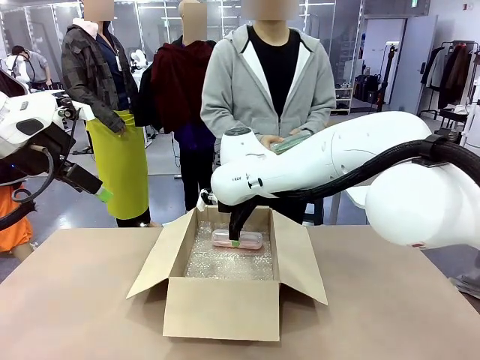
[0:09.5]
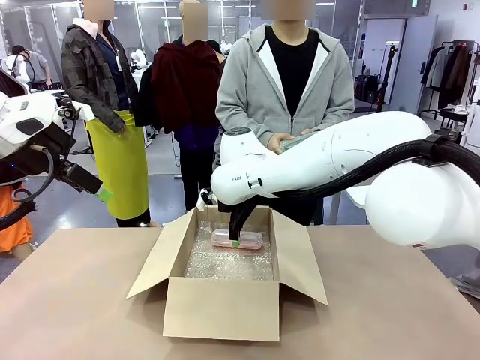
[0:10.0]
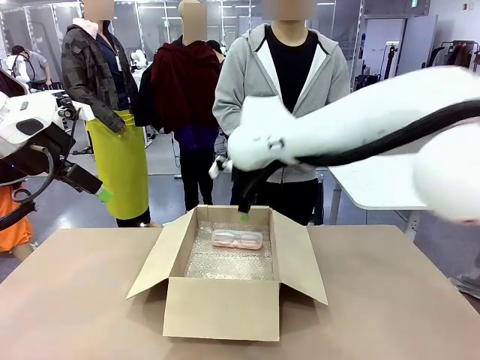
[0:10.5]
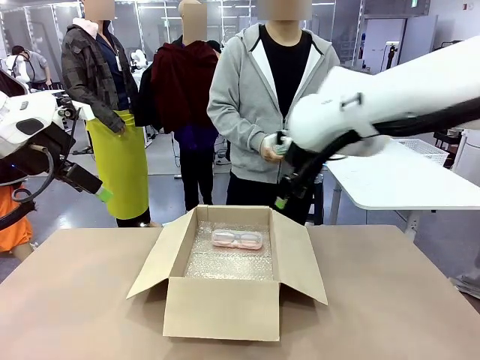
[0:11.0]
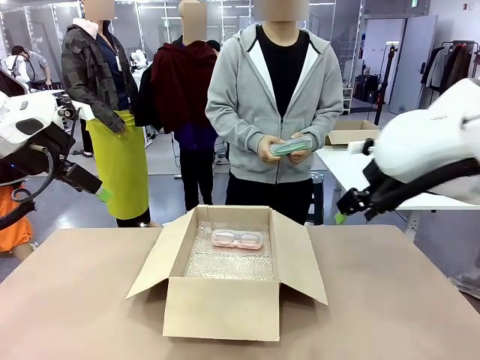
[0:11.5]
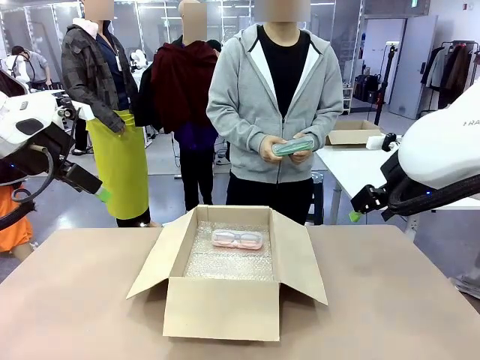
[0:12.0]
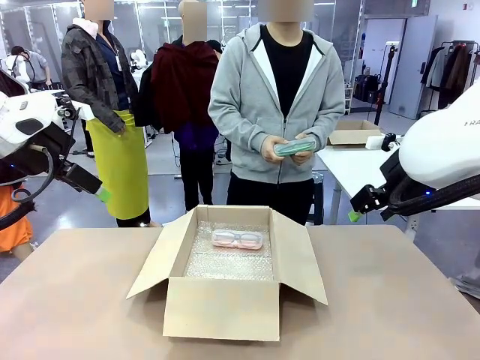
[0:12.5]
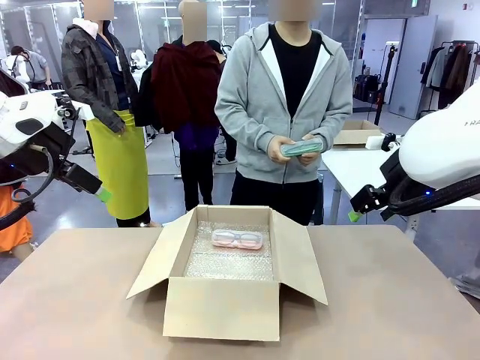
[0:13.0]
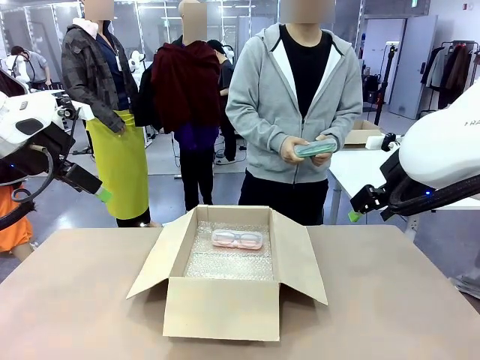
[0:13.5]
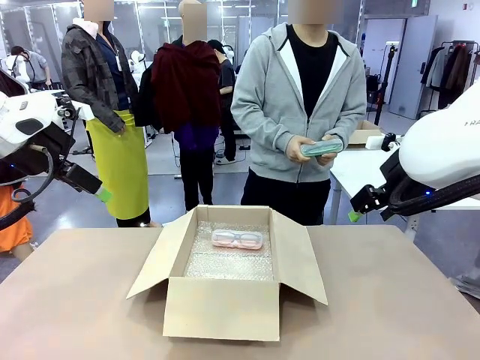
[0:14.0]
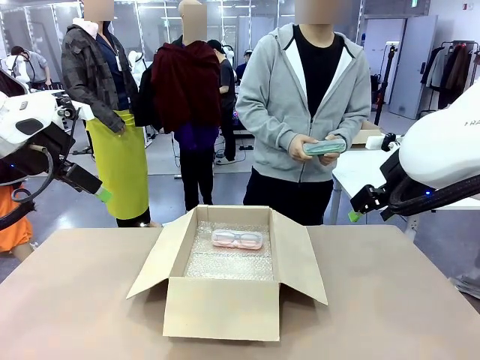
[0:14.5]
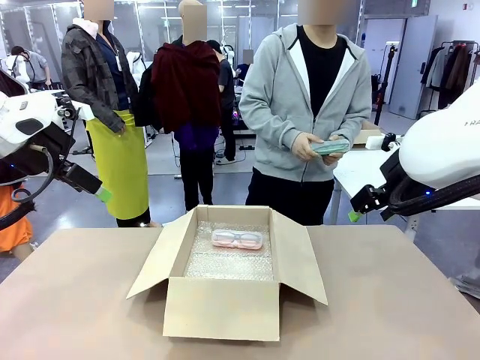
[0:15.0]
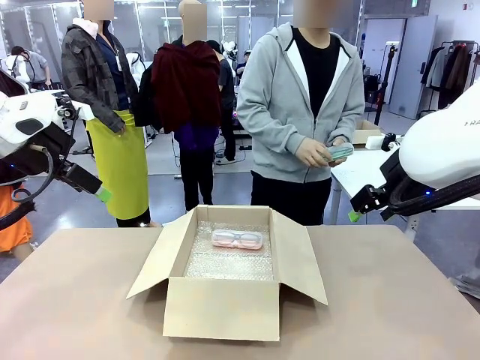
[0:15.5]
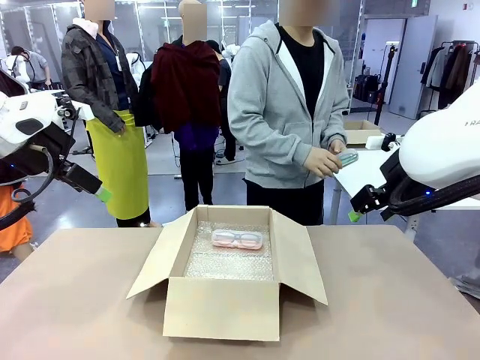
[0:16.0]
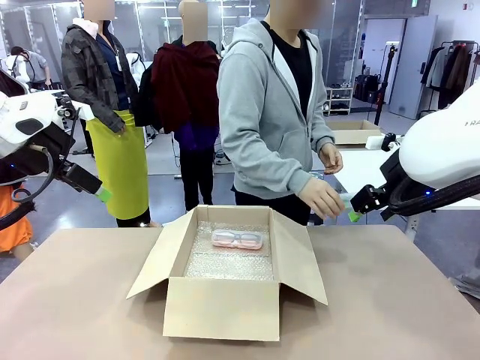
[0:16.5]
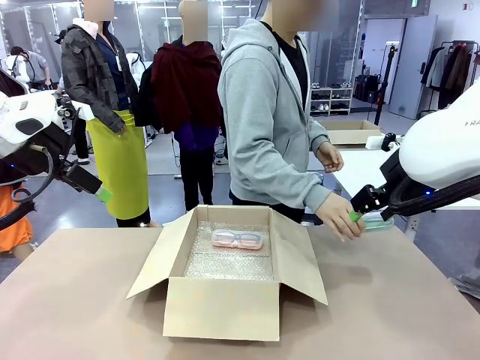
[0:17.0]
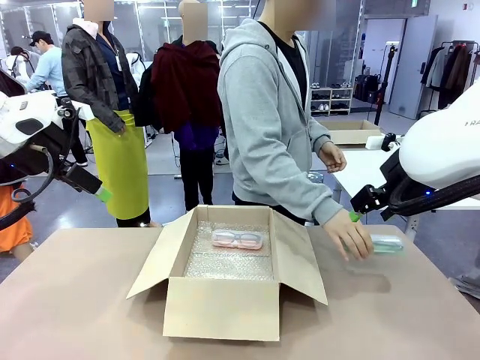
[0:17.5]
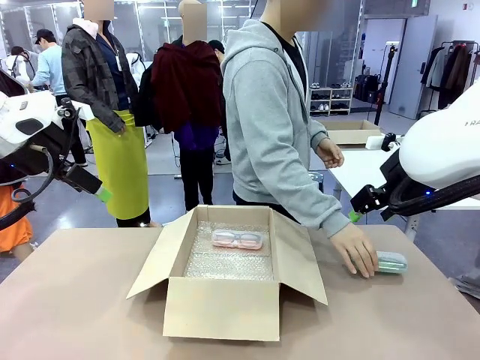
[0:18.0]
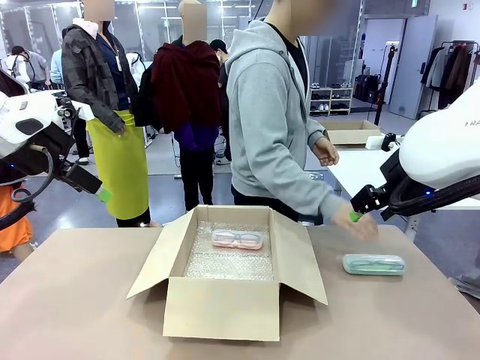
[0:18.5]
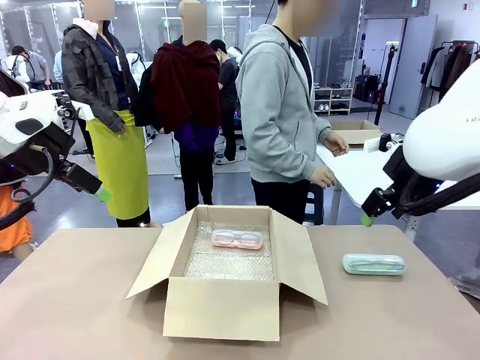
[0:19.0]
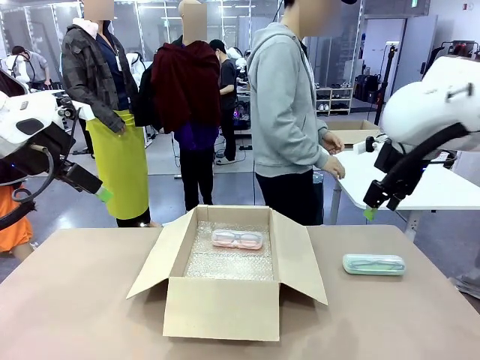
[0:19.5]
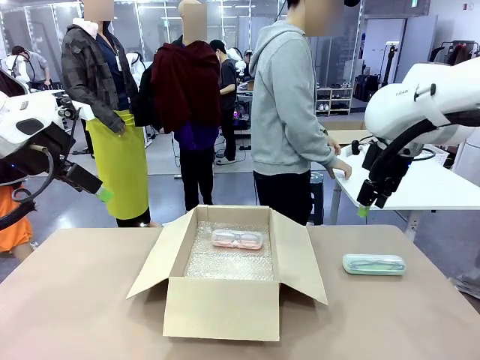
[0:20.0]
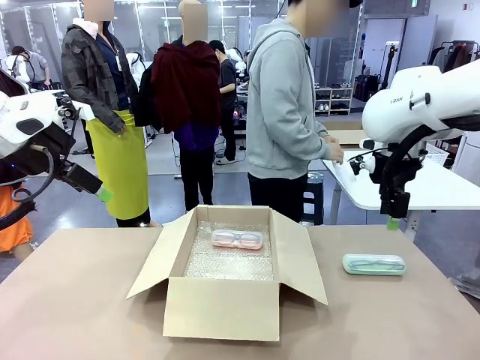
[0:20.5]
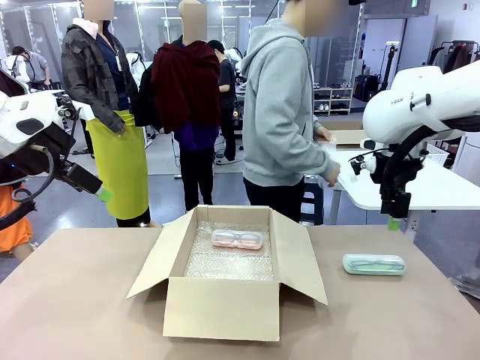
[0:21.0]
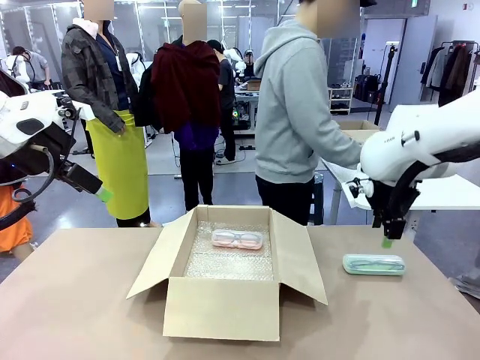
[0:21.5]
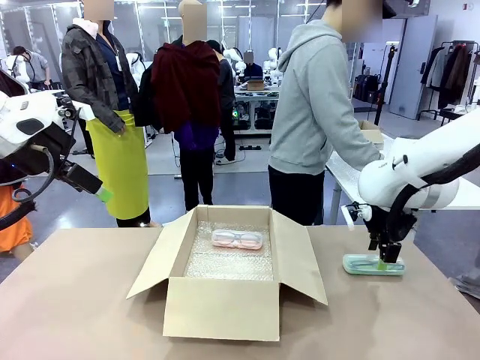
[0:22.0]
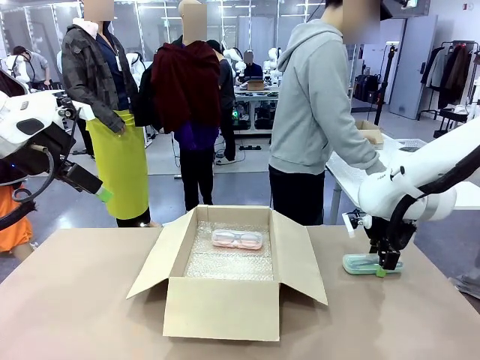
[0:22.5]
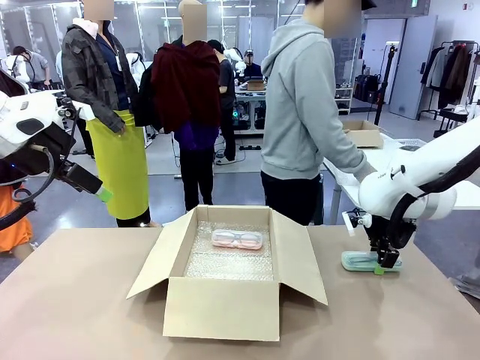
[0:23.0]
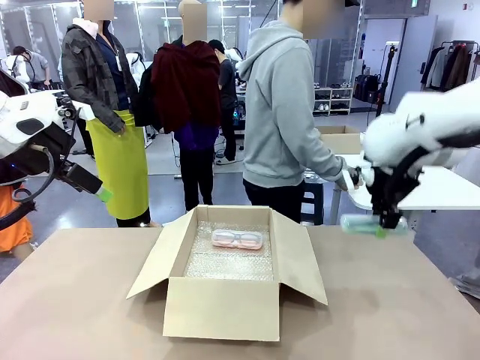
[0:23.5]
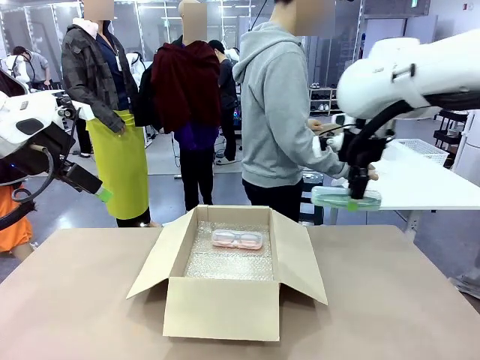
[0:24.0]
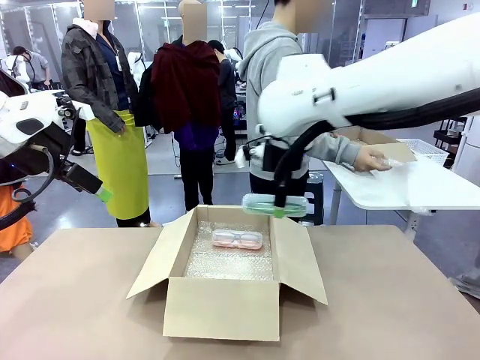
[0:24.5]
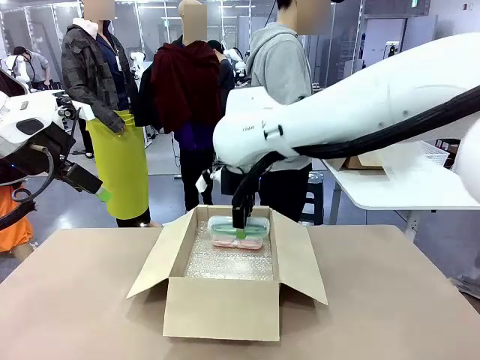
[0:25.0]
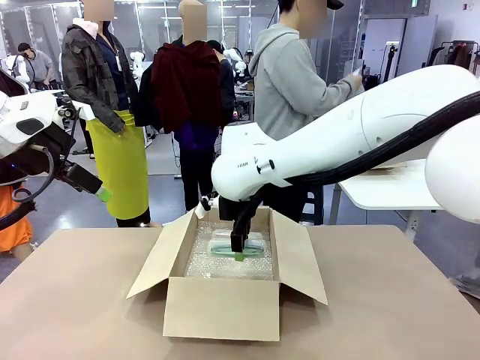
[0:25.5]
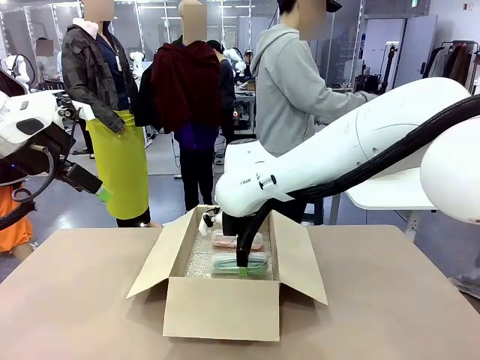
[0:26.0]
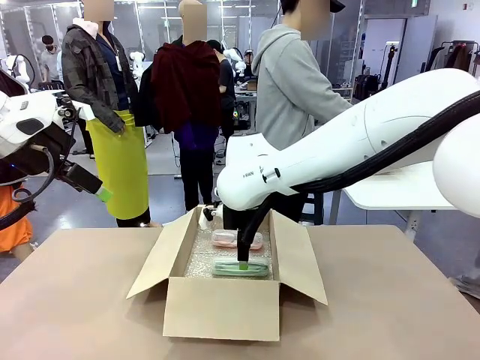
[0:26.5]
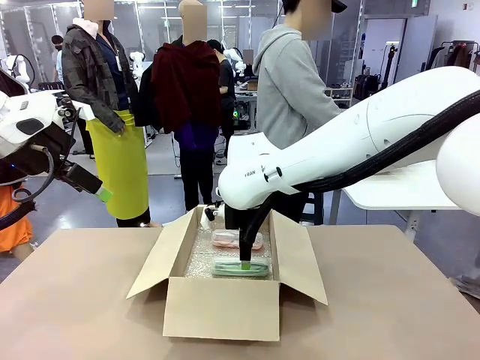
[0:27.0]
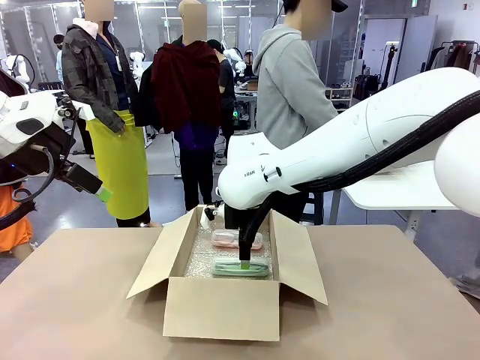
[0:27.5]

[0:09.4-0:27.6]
Task: Pack the glasses set securely to prepare it for shipping.
Robot: Put the Glasses case from the right side of the table into the Package Box.
Person: Position the Glasses case on the left side of the robot's table.

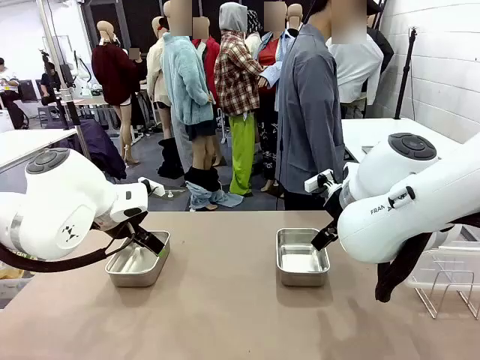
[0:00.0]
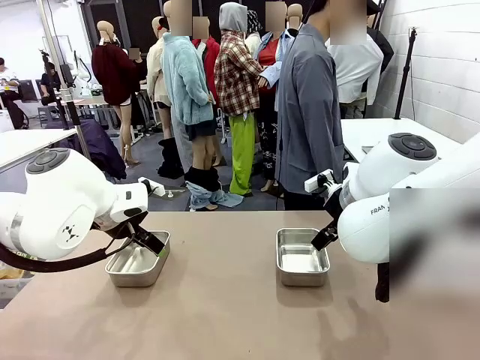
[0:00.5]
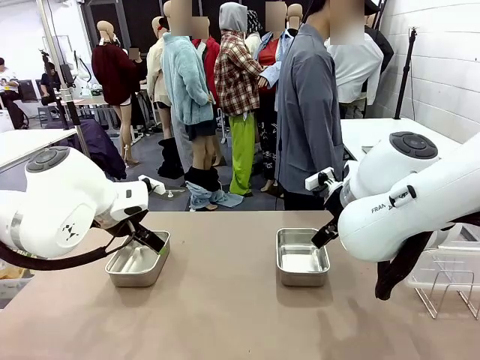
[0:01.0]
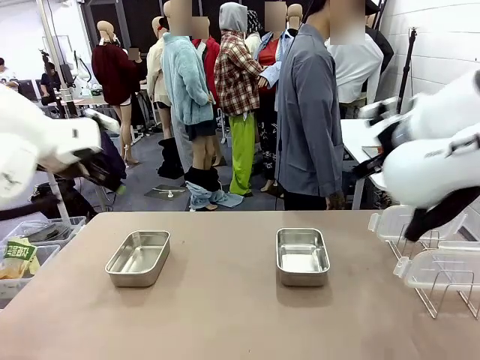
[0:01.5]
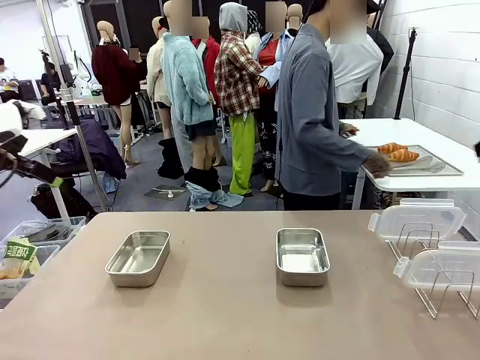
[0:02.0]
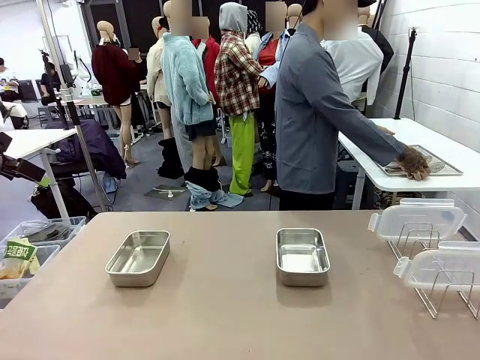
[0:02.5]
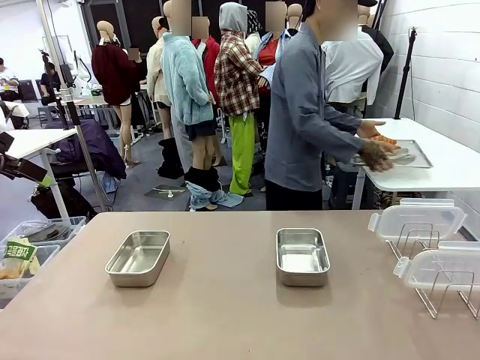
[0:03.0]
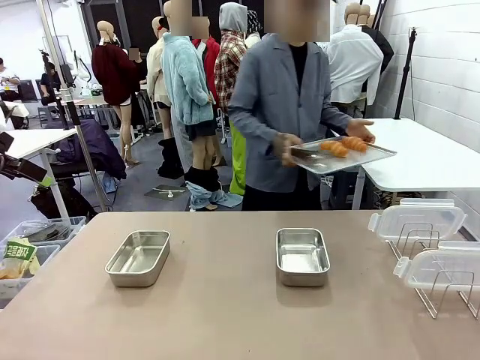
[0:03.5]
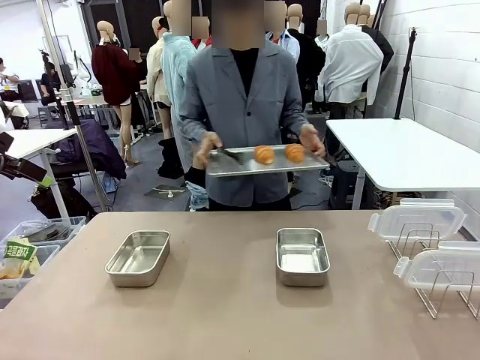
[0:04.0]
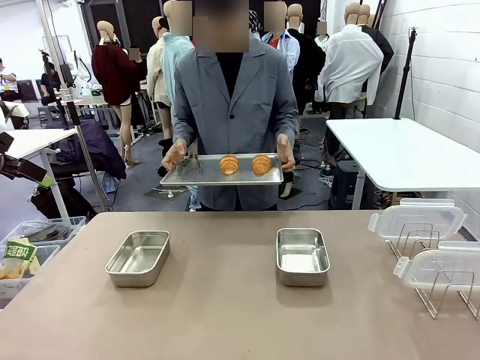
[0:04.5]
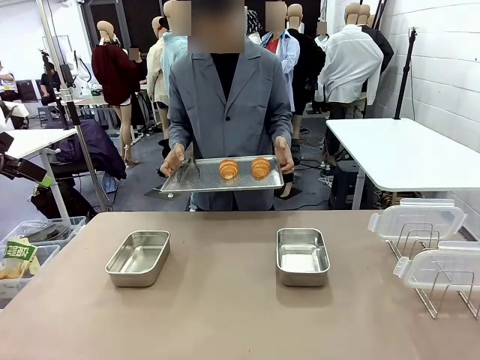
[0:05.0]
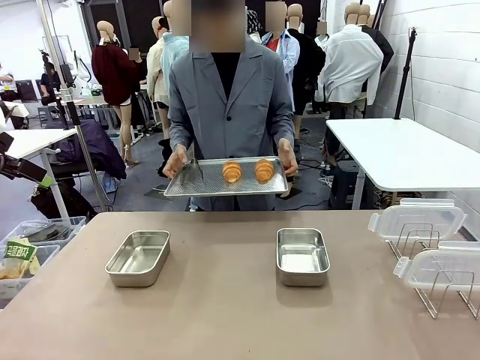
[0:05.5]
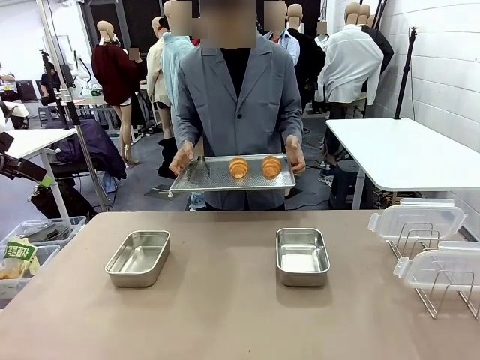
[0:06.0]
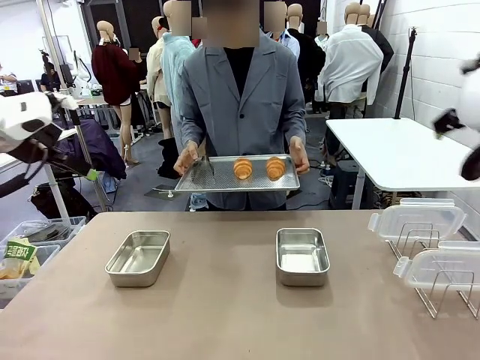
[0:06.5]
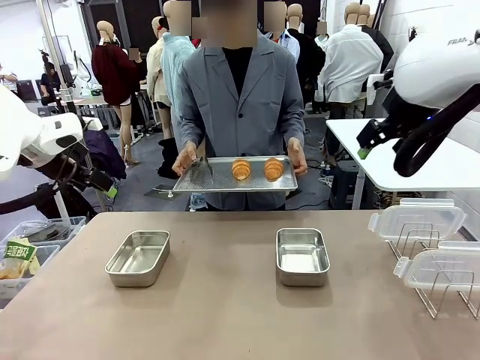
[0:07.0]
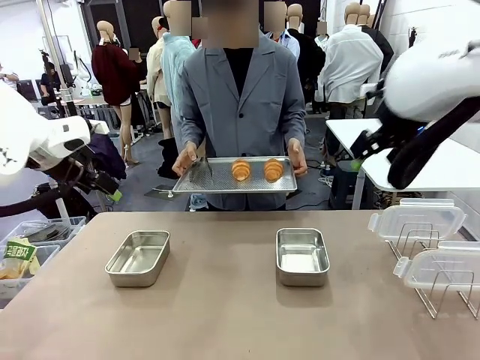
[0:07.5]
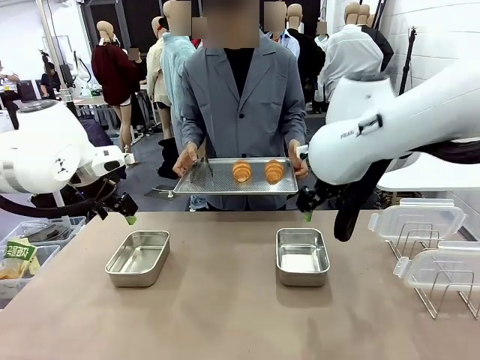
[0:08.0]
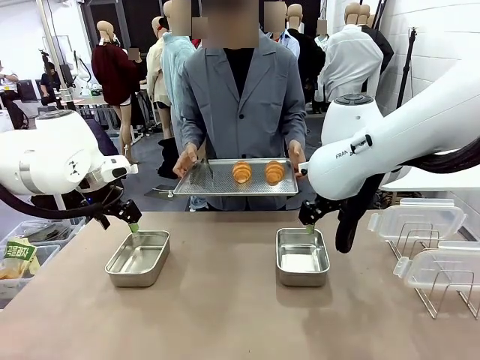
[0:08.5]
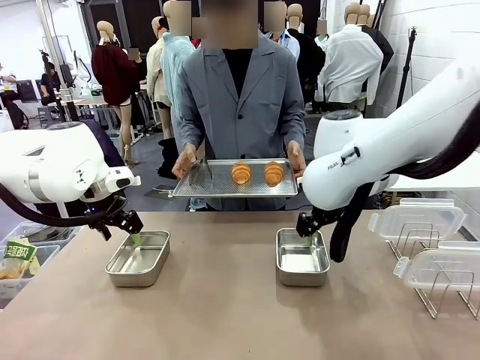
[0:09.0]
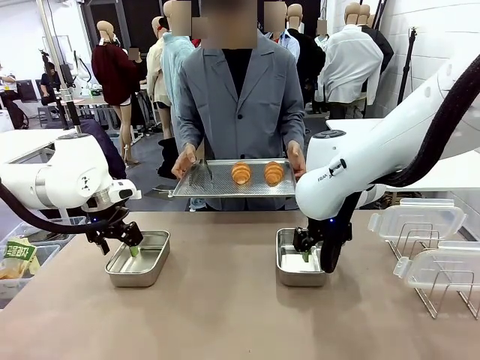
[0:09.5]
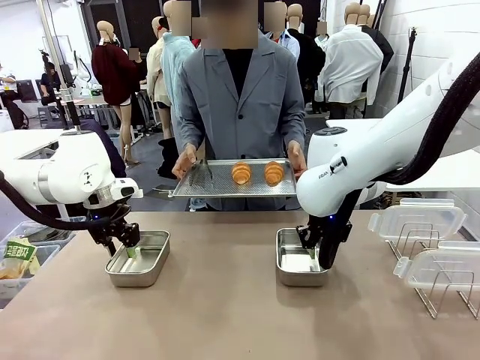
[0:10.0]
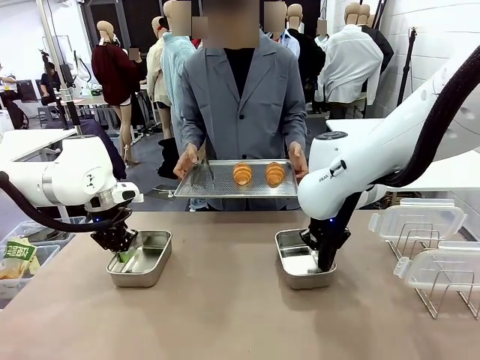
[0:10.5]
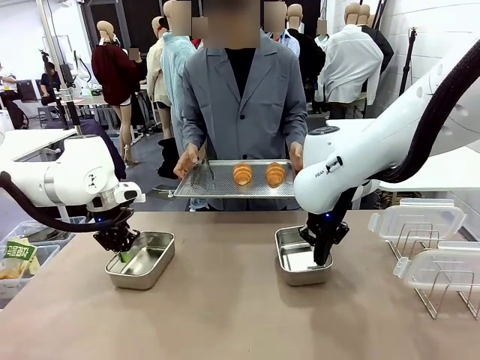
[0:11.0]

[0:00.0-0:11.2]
Task: Place the bread in airtight containers.
Robot: Lift both Airtight Container.
Person: Bring the Baking Sheet in front of Robot's Table.
